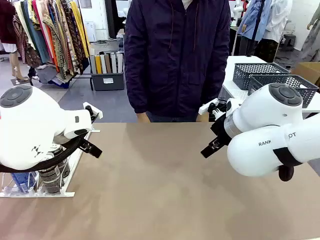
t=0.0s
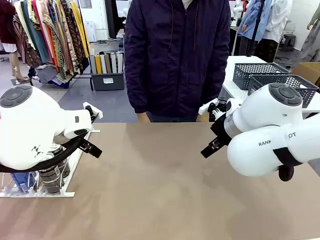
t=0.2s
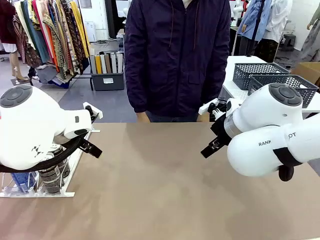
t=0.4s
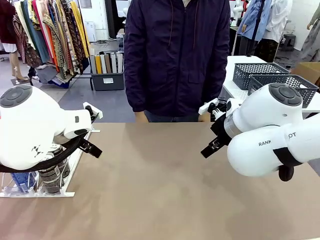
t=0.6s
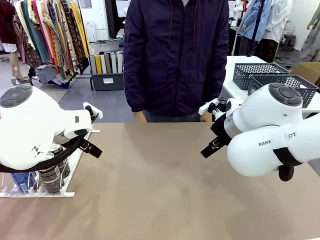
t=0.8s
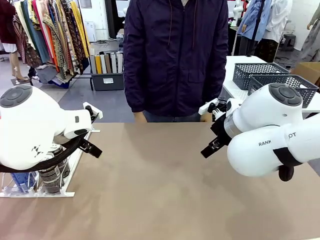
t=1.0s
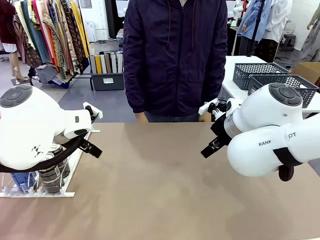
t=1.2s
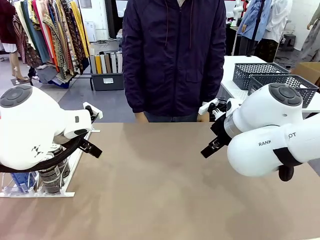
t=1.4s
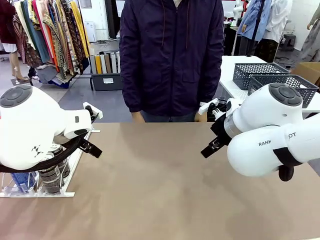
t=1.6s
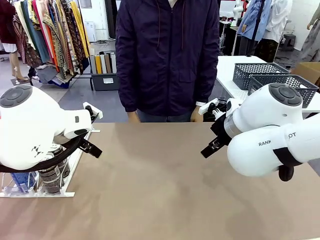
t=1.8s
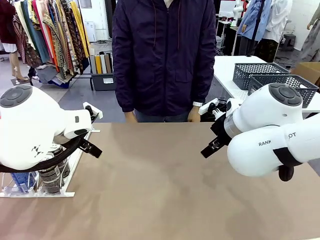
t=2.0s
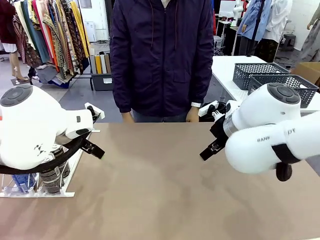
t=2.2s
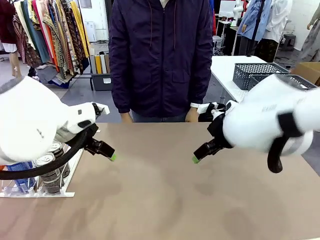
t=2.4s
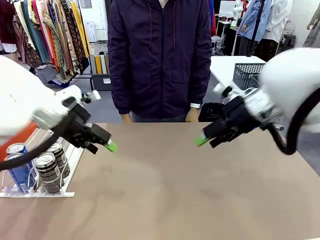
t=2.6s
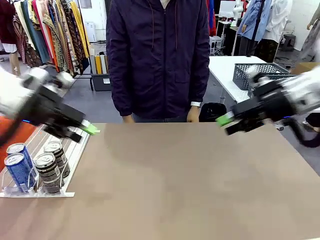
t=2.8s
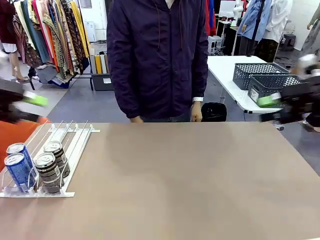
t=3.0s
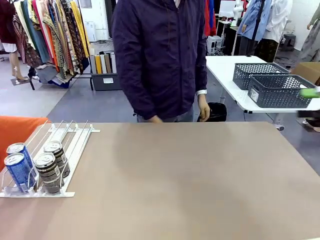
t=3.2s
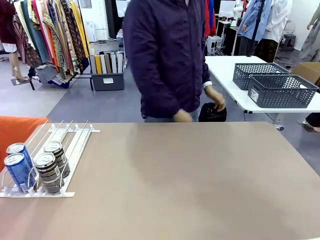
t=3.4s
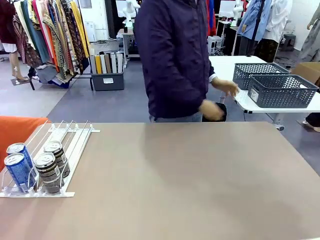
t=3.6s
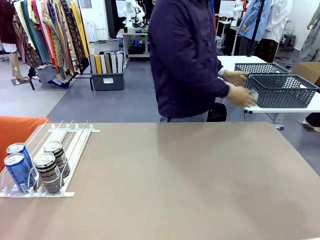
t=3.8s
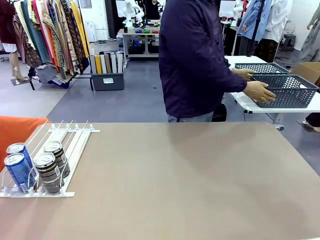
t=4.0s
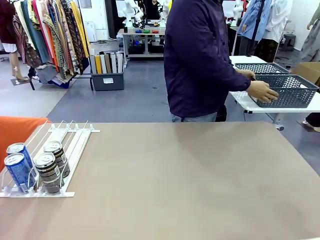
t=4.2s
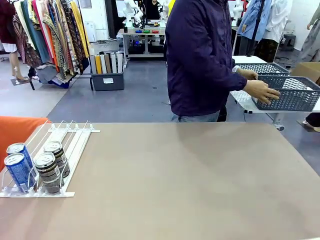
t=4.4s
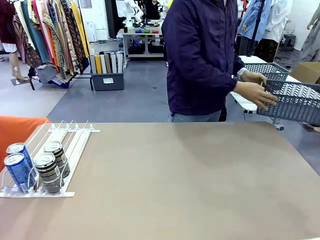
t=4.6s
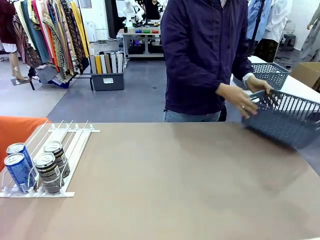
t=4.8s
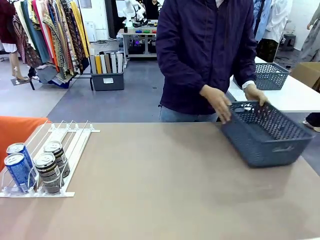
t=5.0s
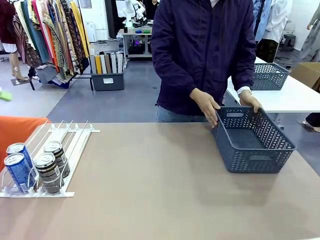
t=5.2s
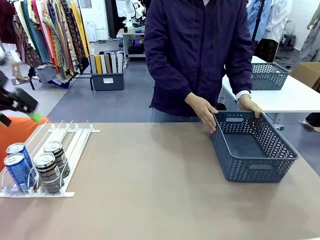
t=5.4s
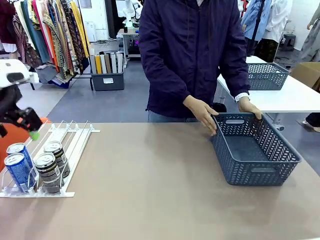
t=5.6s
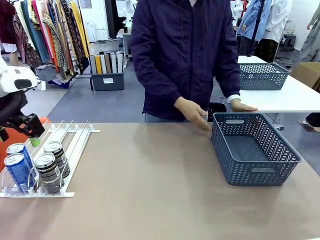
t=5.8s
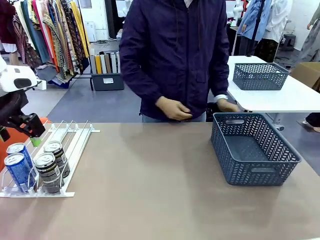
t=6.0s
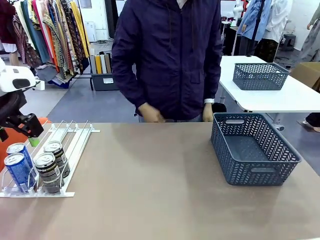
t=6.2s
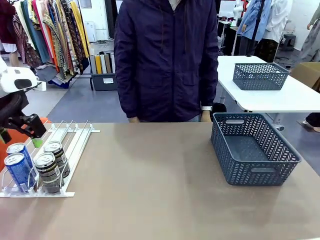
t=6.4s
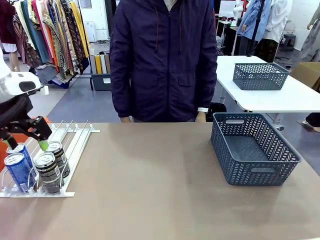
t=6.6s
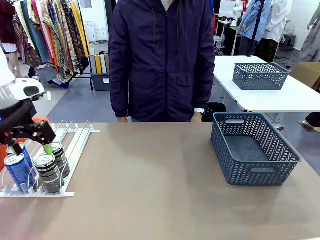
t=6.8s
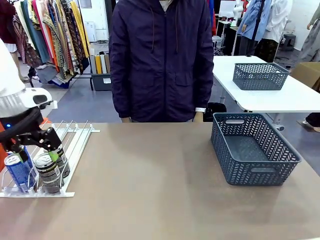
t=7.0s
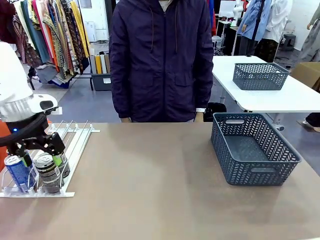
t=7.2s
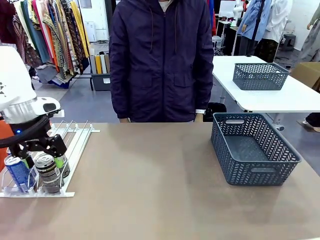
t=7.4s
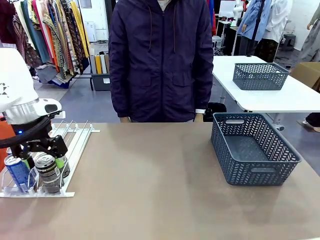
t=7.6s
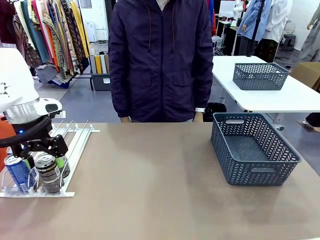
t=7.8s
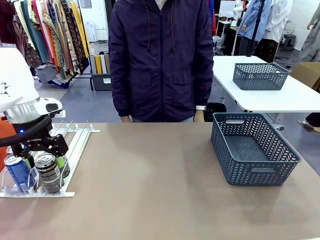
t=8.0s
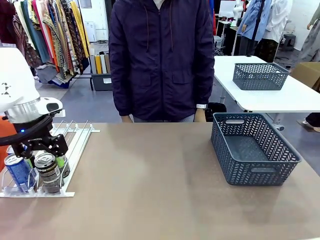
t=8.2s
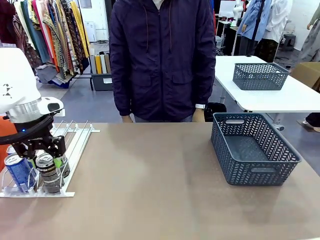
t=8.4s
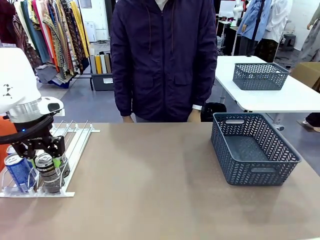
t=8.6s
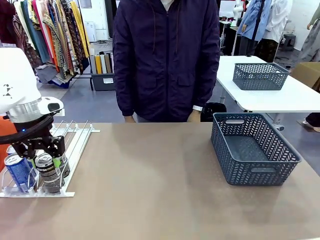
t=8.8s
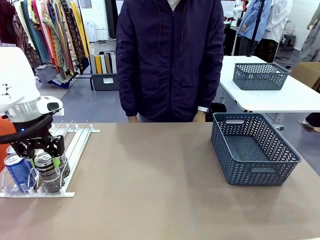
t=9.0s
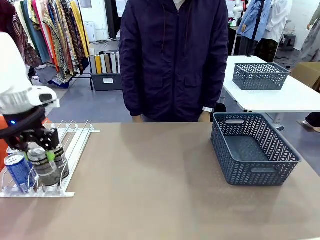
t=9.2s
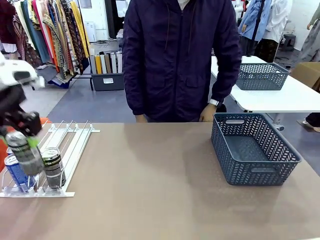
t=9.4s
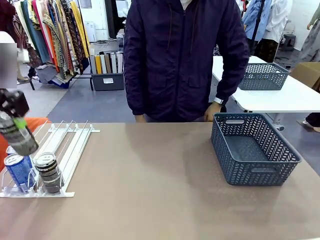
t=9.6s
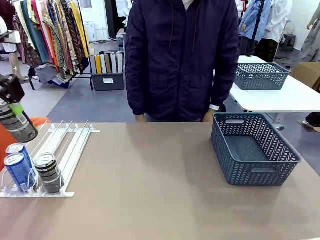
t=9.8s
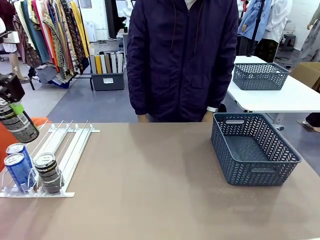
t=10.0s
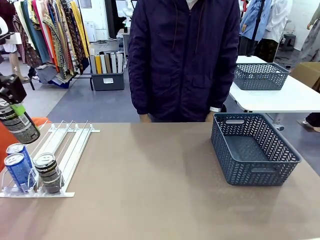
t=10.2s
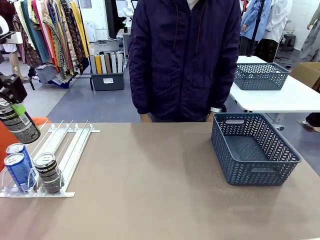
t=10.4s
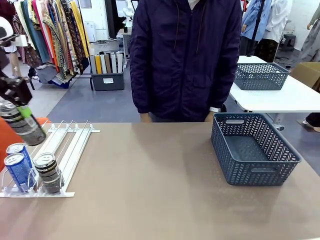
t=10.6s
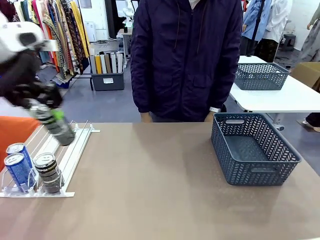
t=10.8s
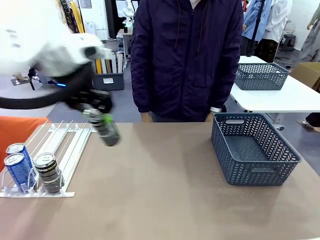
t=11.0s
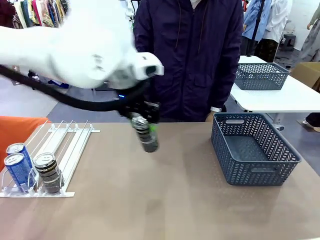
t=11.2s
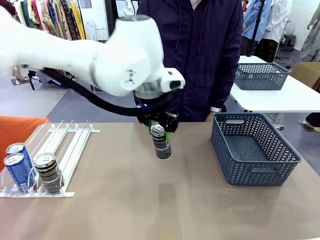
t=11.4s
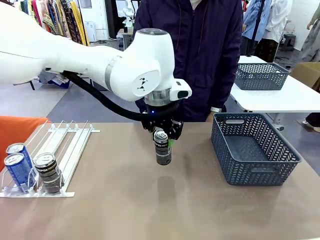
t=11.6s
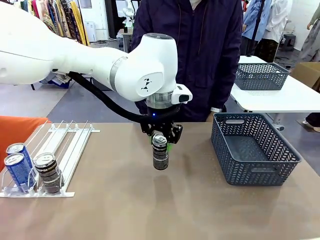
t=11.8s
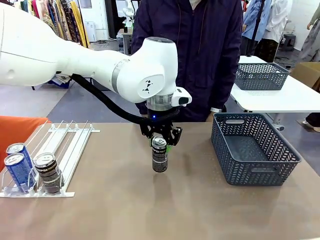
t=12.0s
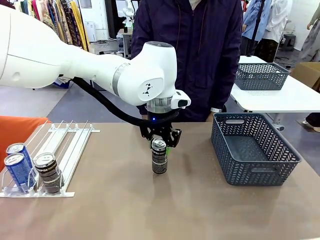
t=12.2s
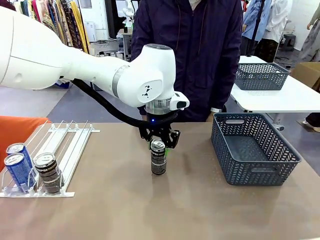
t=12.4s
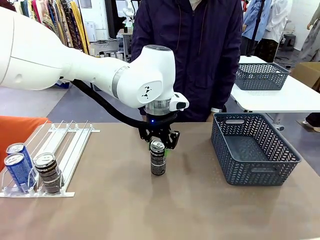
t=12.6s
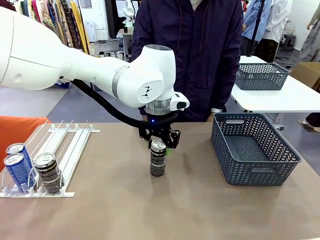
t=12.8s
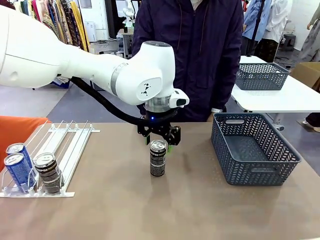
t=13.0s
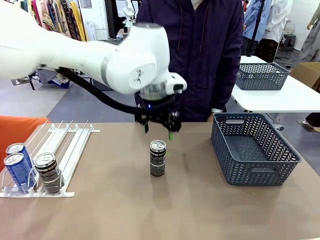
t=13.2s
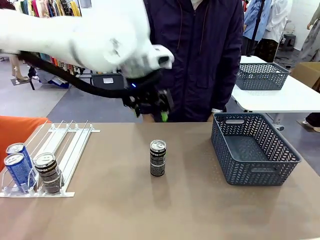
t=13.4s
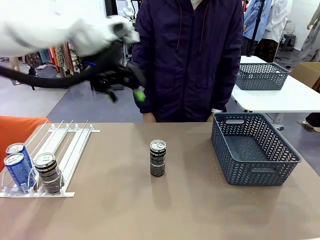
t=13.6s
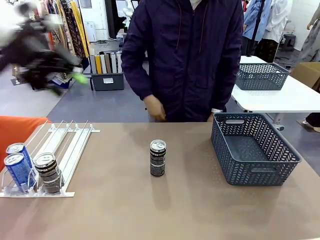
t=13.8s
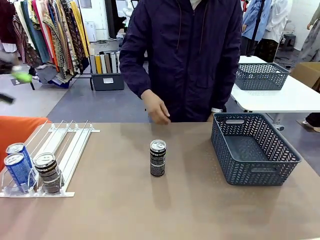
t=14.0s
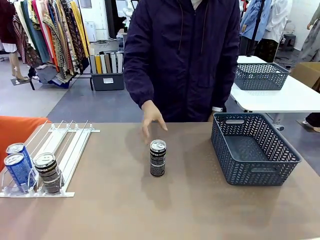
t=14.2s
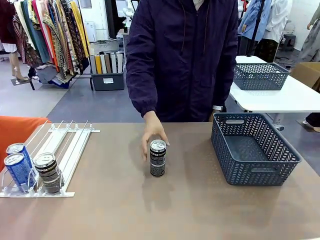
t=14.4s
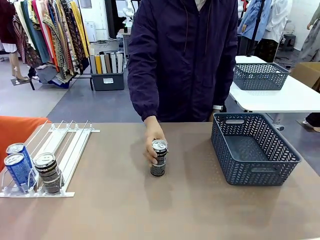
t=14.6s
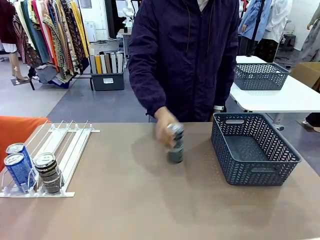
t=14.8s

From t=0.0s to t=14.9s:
Task: Retrieve and store the cans from the dispenser.
Robot: Pick up one can from the Automatic Can Dispenser and place it in the middle of the table.
Person: Pick up the basket and place it on the left side of the robot table.

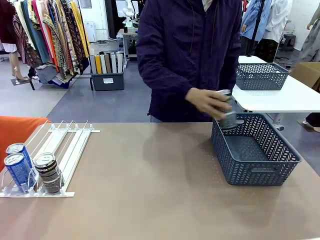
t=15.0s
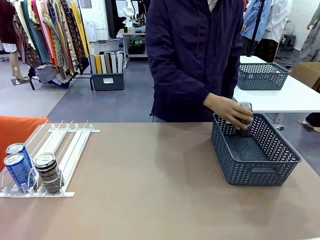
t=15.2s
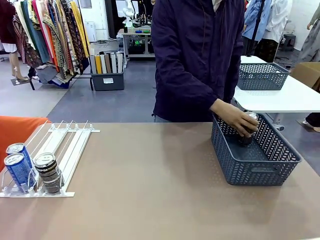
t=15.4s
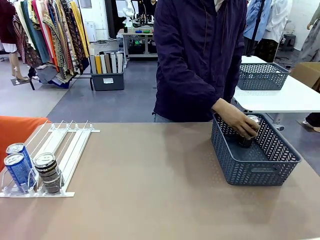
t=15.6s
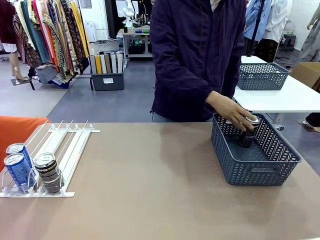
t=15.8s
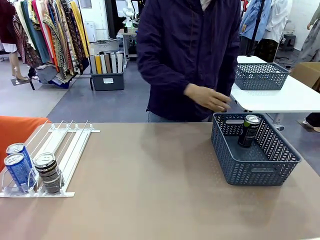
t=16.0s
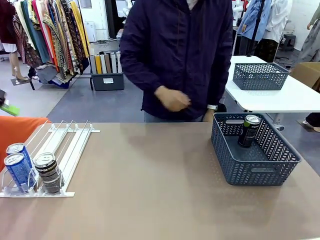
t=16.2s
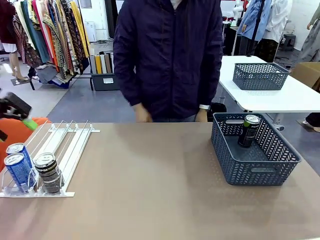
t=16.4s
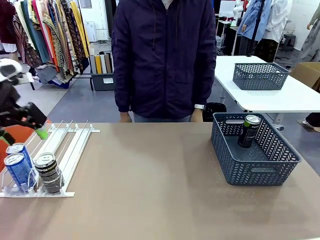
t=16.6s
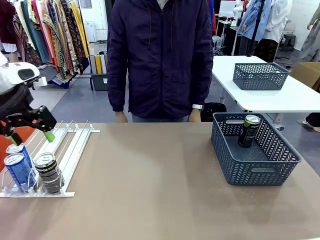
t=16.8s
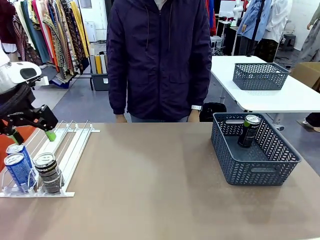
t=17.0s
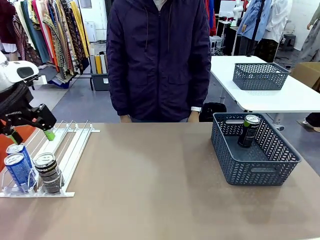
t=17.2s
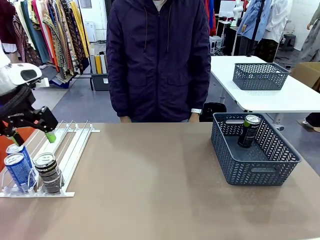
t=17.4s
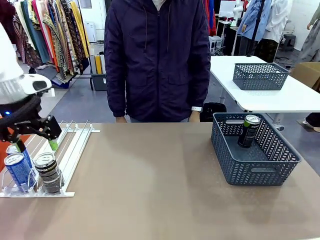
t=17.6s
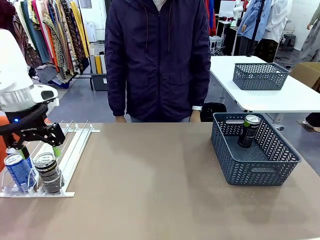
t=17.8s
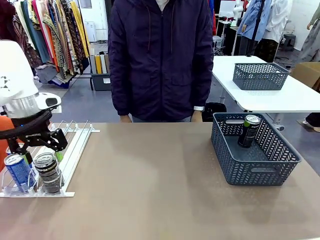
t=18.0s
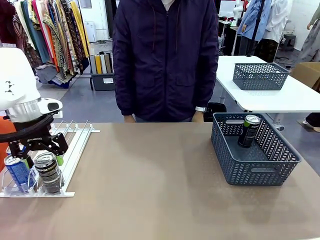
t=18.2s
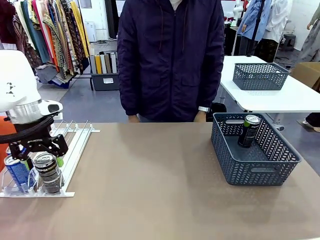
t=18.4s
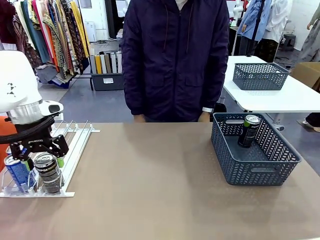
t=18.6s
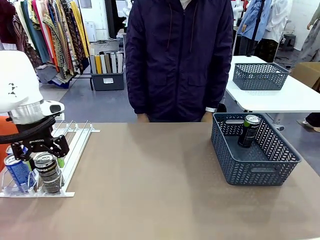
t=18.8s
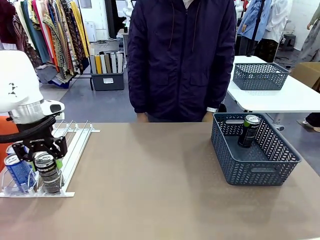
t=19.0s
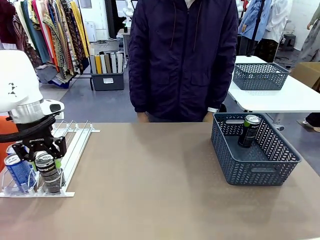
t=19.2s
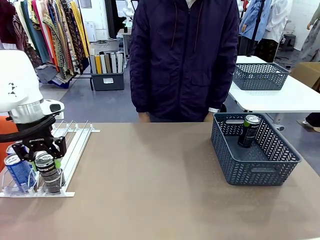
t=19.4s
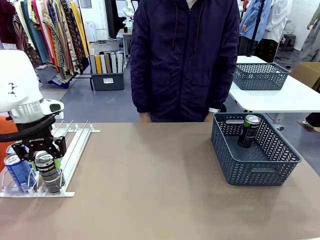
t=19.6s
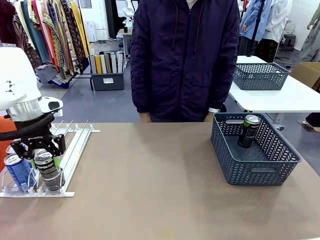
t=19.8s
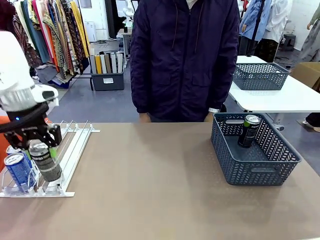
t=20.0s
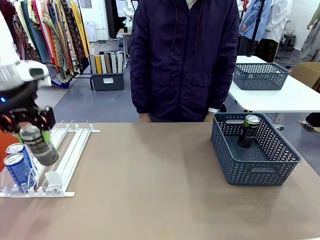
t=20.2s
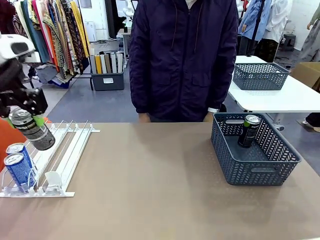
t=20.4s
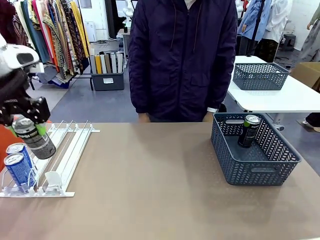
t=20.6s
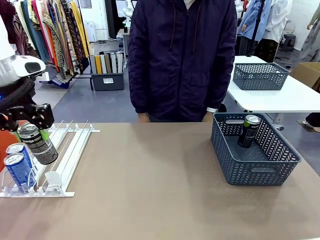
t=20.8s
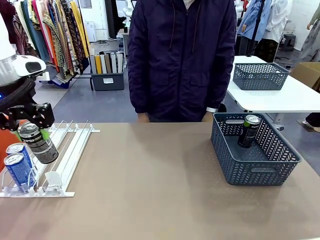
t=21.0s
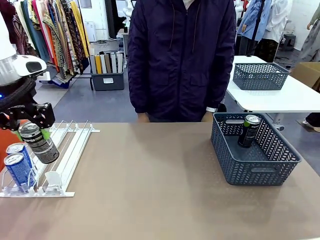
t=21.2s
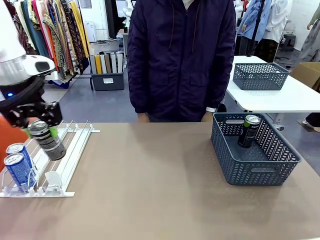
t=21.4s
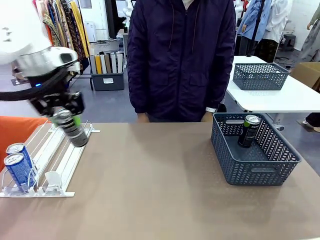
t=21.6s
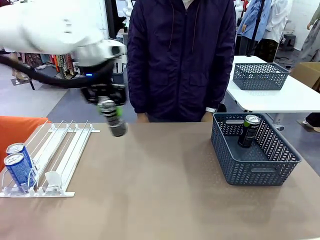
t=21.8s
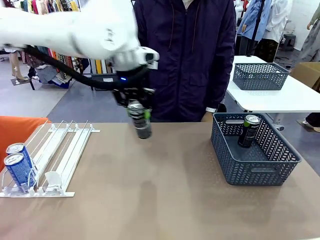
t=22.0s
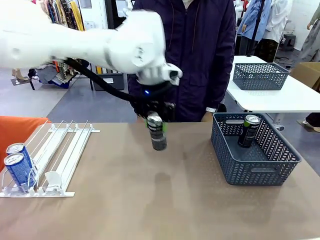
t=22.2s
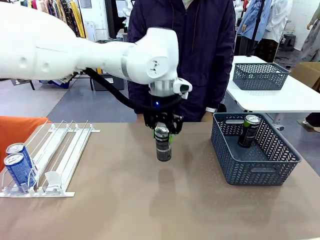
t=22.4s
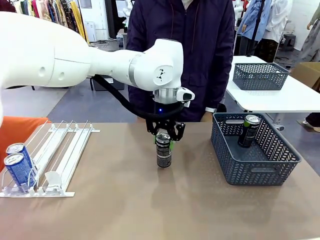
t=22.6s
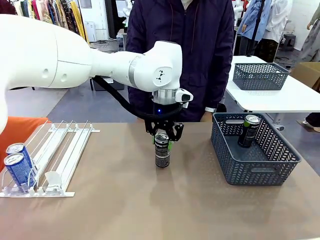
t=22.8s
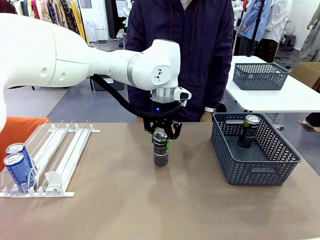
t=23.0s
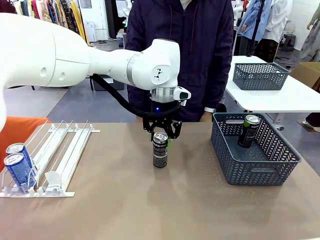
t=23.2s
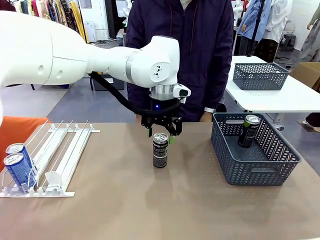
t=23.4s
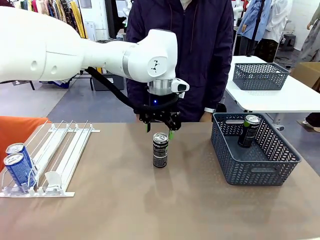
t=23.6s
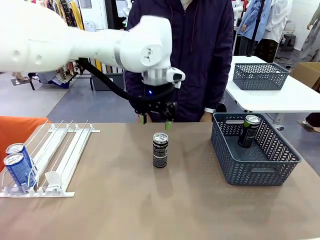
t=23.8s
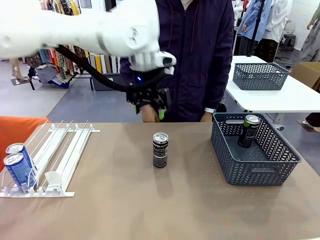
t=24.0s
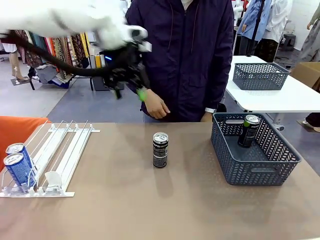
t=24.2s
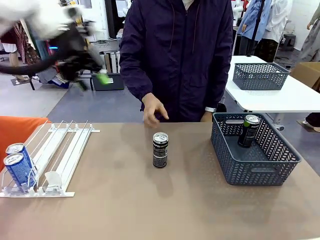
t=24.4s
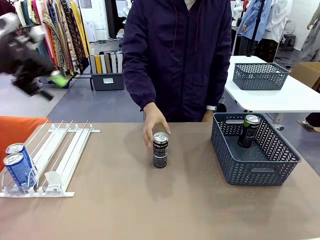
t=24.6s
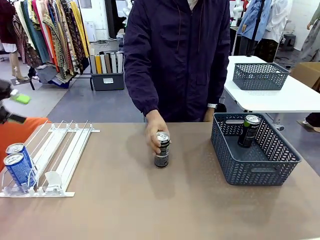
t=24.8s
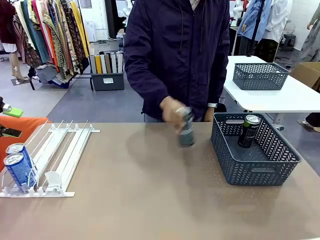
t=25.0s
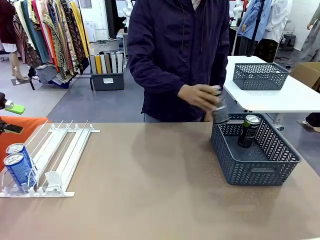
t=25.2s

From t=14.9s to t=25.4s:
Robot: Pick up the last remaining can from one row of the Automatic Can Dispenser and place it in the middle of the table.
Person: Pick up one Pepsi can from the middle of the robot table and place it in the basket.
